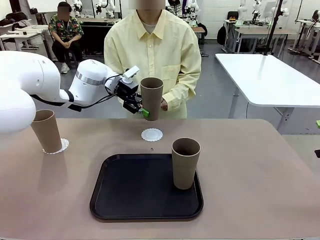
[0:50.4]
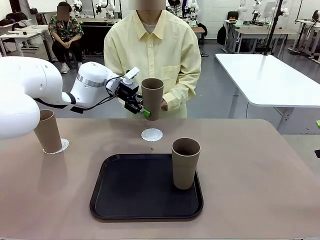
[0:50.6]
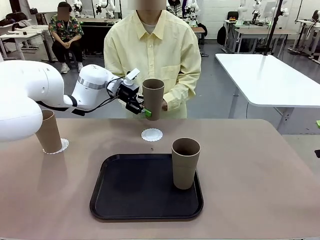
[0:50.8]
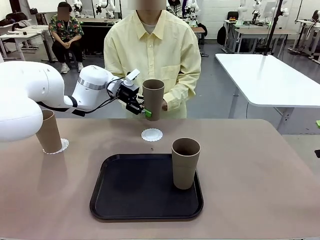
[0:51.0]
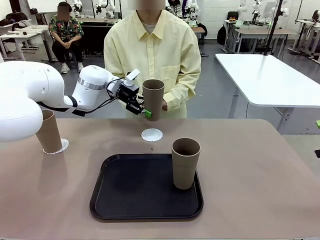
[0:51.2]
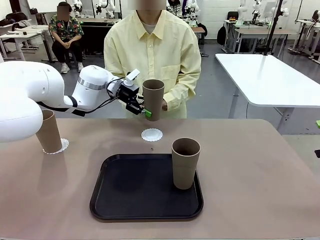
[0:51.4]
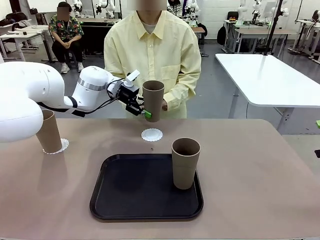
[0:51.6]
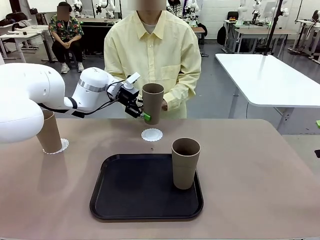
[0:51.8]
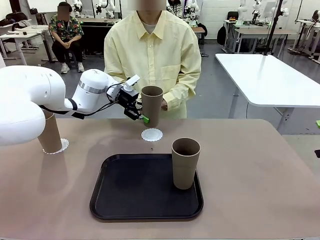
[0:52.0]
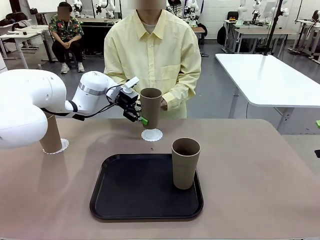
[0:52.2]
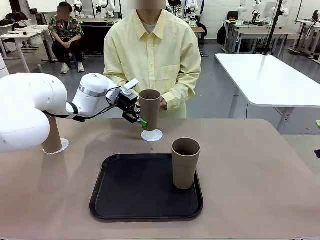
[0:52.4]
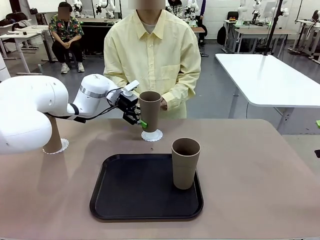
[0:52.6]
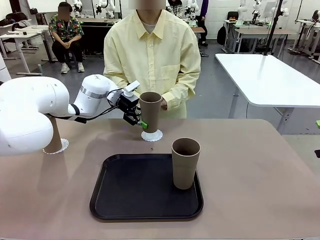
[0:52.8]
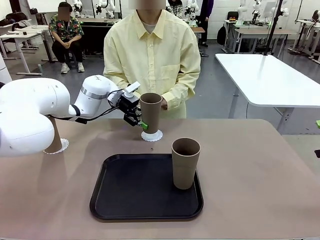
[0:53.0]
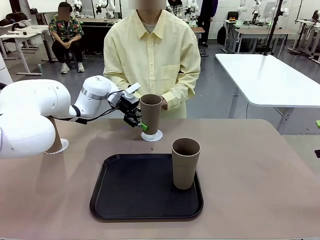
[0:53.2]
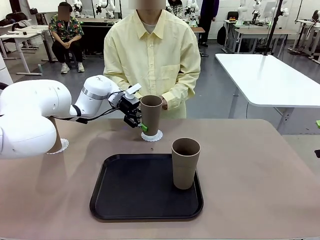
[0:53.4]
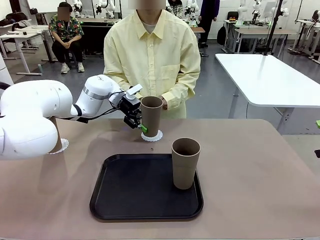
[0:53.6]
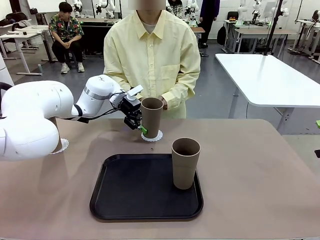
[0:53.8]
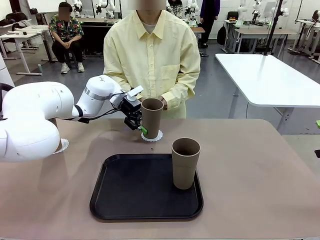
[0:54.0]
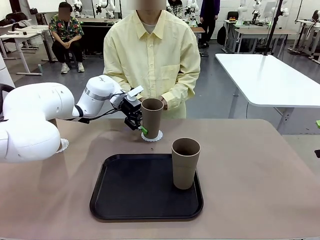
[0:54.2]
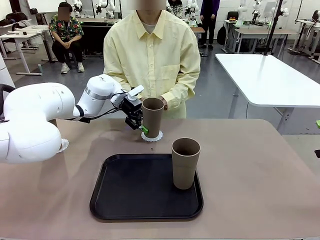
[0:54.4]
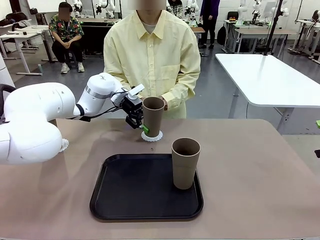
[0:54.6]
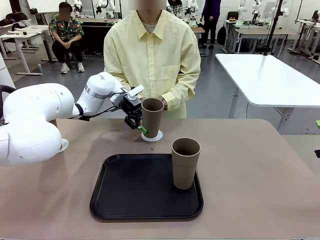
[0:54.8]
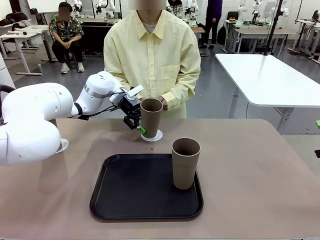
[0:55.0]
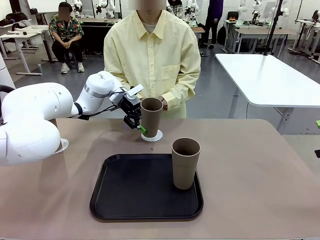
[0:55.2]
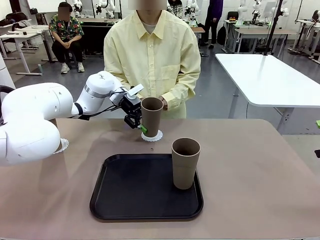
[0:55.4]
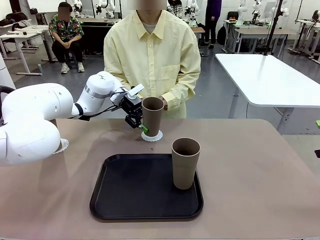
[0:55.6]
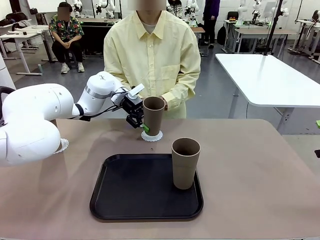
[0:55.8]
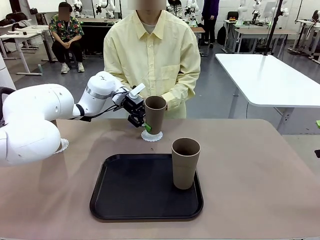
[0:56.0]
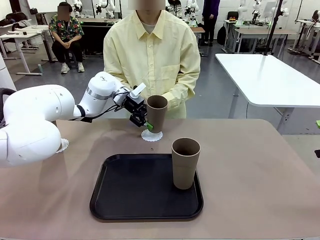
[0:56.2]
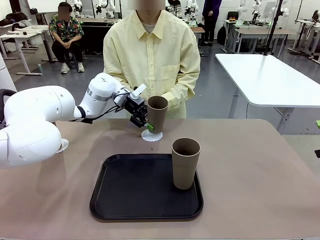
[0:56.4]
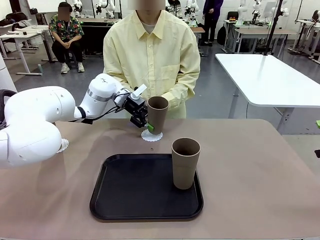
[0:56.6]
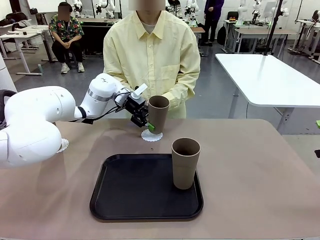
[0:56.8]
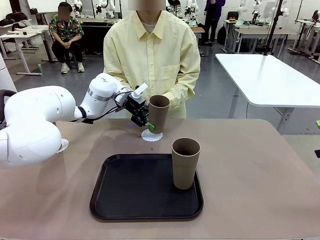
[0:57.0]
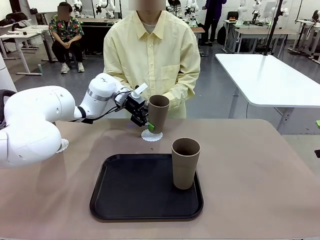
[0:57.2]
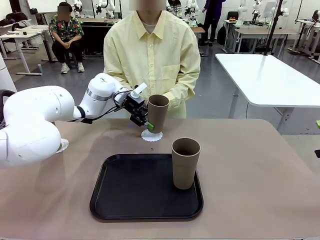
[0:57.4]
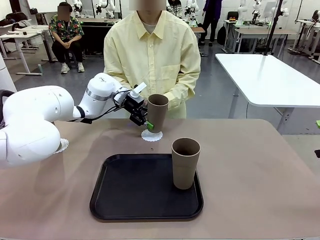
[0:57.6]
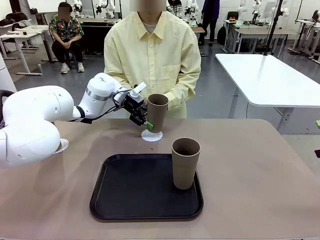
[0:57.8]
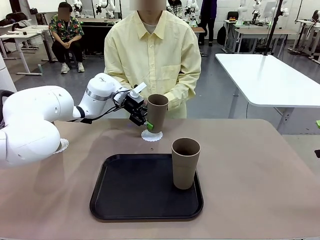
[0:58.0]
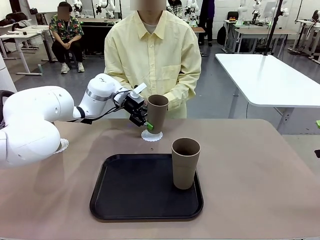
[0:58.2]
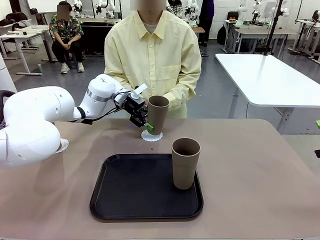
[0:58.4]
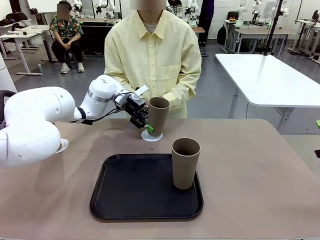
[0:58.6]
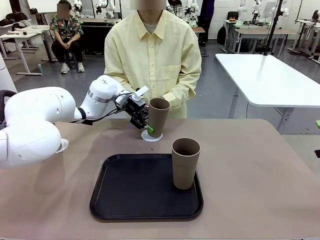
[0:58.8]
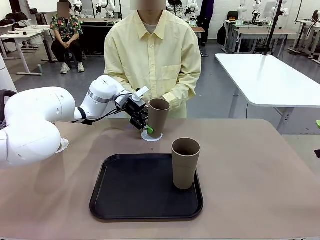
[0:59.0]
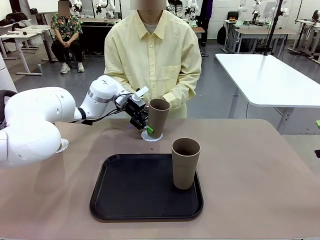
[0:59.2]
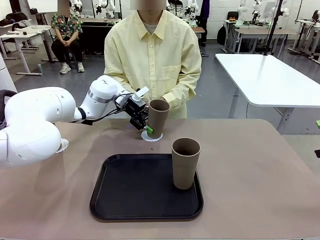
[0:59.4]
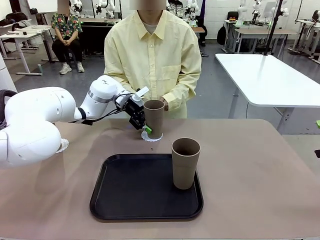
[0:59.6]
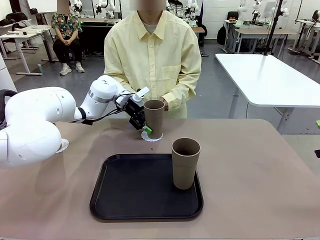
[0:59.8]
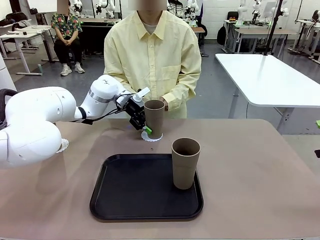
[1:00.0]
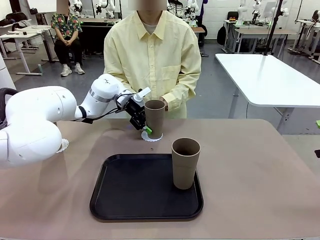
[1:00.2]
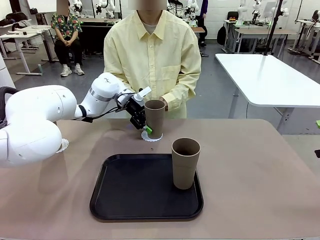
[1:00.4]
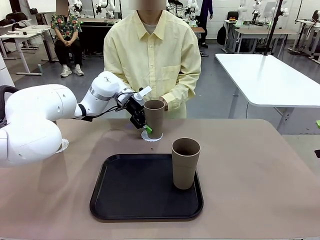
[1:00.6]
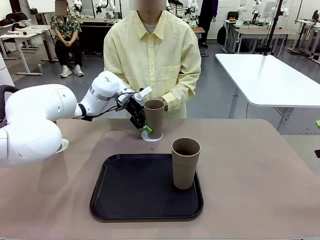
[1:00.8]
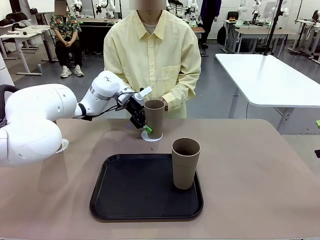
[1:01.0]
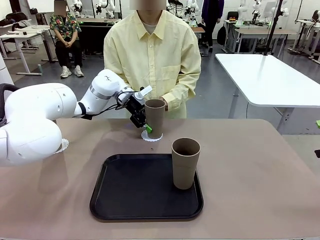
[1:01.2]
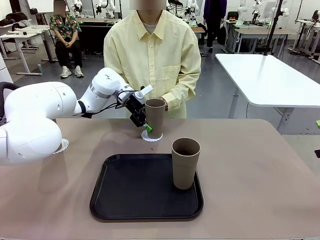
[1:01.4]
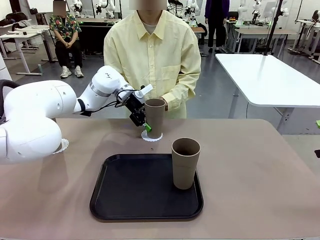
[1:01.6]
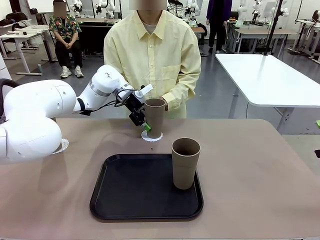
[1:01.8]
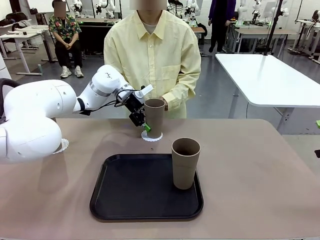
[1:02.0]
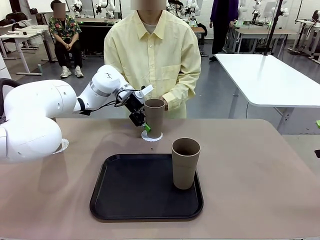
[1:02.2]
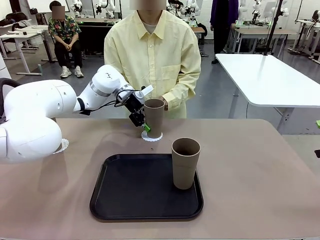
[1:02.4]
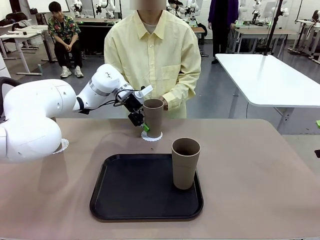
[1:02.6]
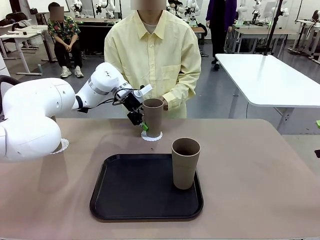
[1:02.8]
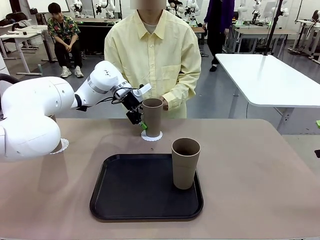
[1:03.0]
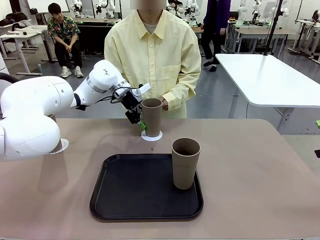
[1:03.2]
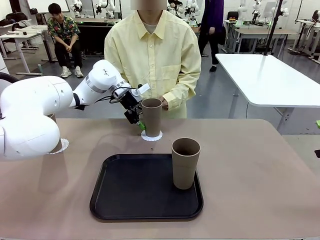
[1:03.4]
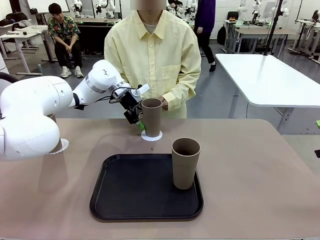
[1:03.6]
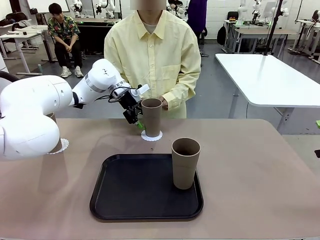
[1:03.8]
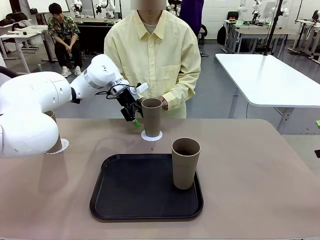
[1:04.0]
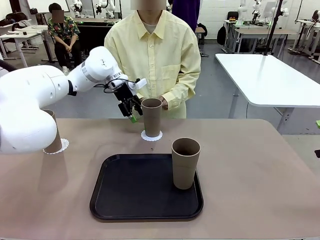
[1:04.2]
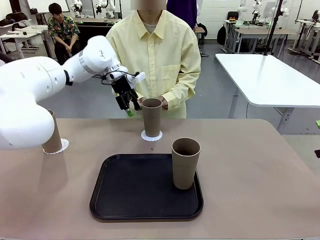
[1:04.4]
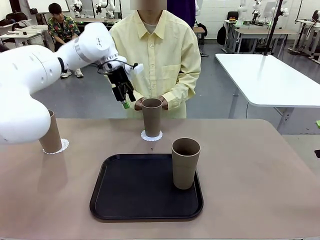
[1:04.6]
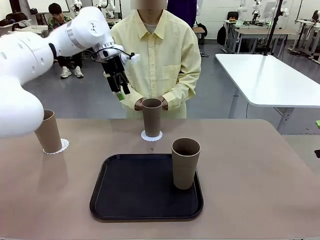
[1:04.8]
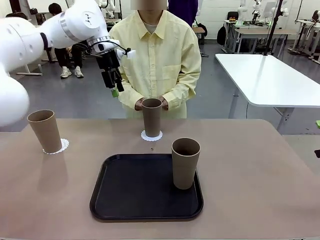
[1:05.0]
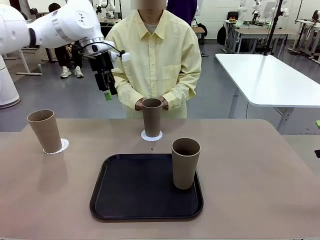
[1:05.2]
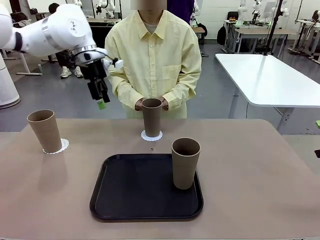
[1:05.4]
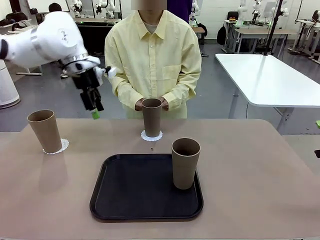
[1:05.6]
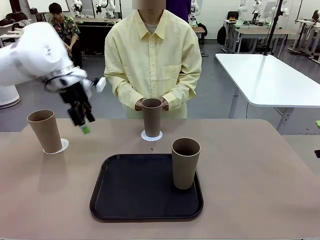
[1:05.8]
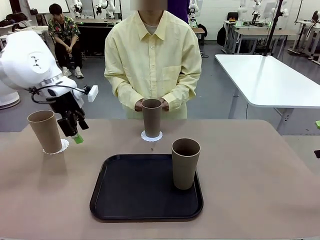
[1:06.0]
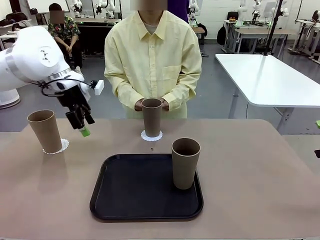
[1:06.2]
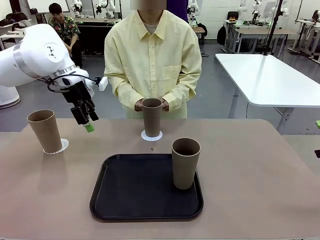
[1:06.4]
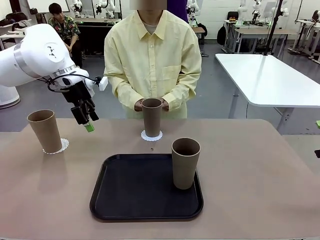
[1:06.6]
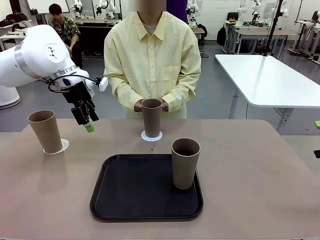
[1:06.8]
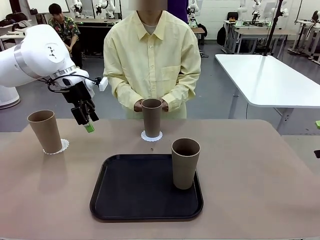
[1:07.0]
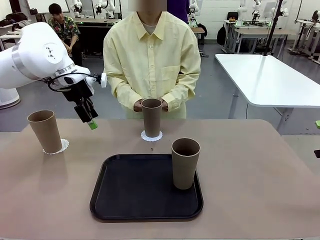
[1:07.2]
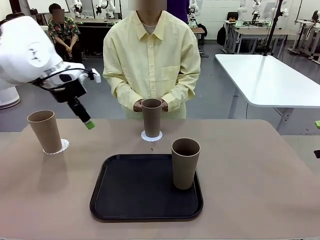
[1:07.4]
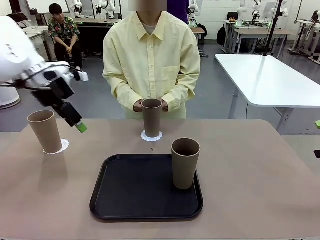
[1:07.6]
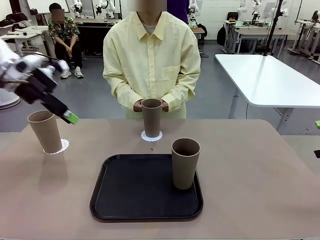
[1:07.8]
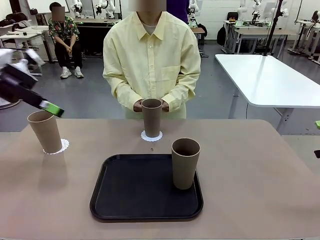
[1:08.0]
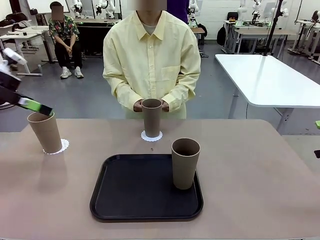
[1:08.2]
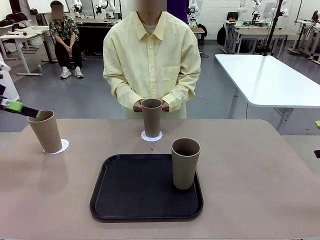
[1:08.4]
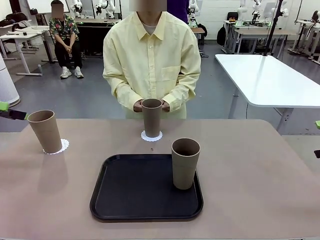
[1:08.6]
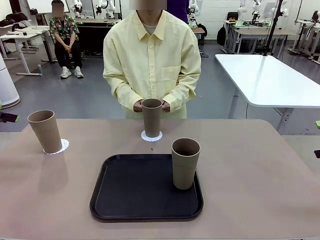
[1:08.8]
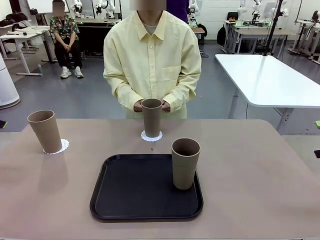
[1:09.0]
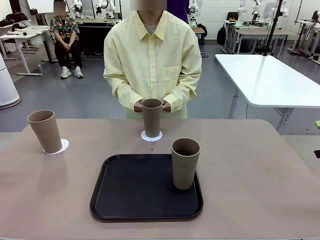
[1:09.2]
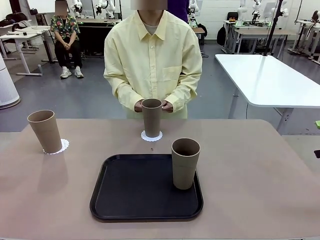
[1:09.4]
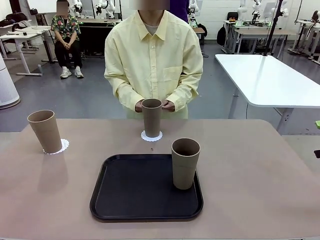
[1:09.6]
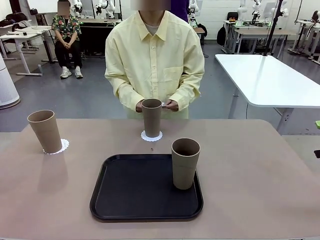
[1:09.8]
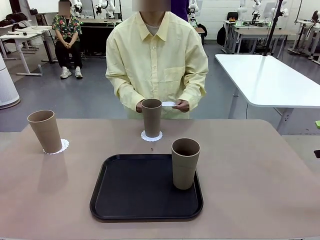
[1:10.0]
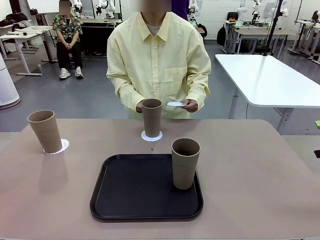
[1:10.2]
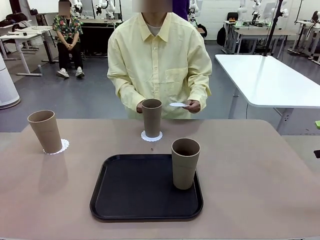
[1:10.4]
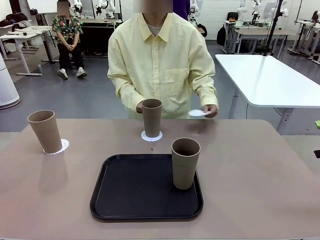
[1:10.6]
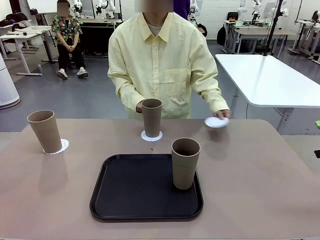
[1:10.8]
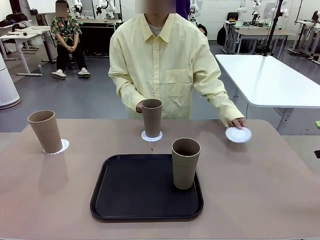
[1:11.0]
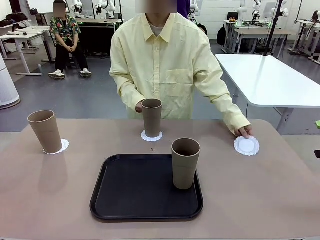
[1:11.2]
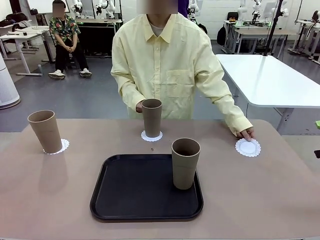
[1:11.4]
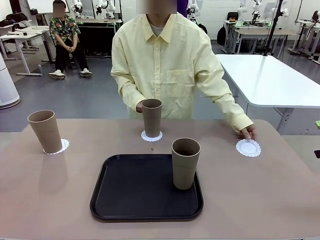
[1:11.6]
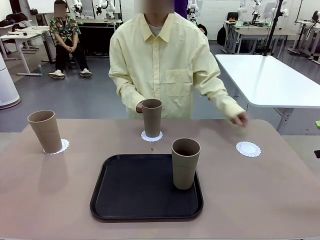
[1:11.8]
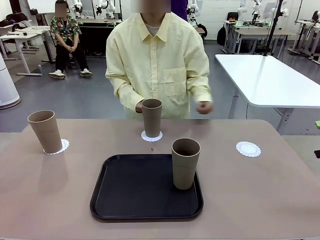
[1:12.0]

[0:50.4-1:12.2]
Task: Place coasters on the table and set cups on them.
Robot: Take one Reusable plastic cup from the Flat Tray and place it on a coaster set by the human.
